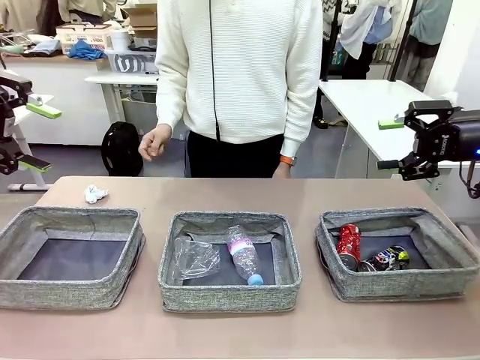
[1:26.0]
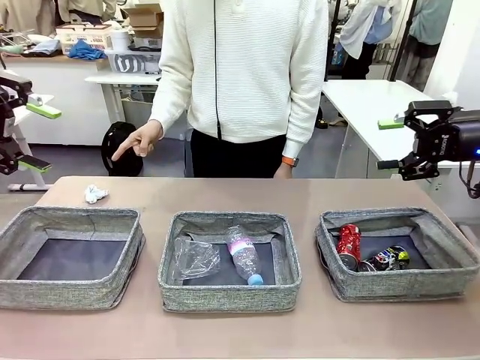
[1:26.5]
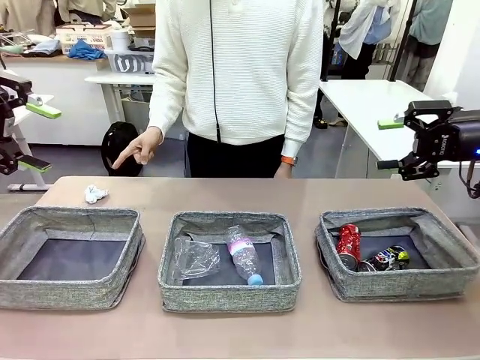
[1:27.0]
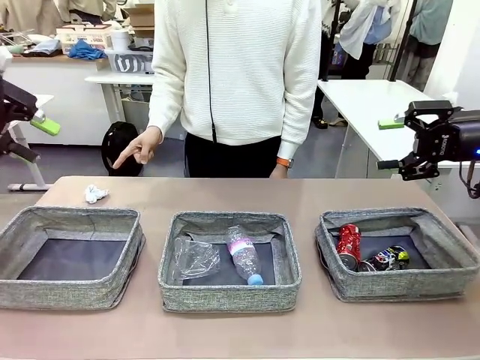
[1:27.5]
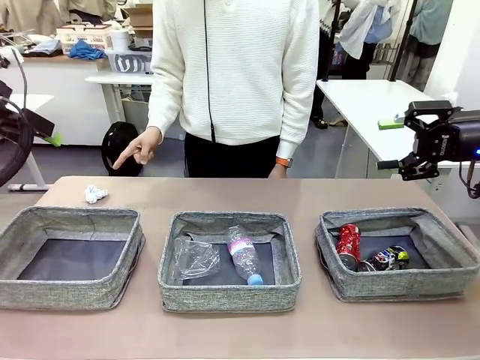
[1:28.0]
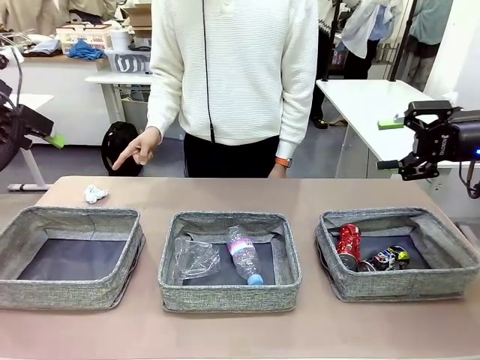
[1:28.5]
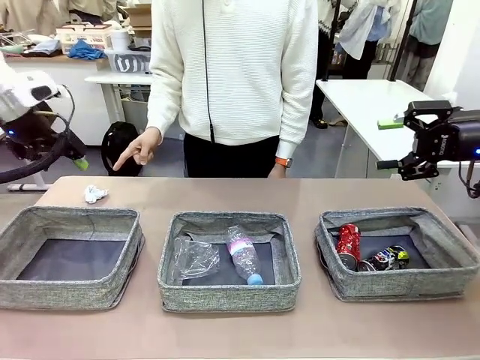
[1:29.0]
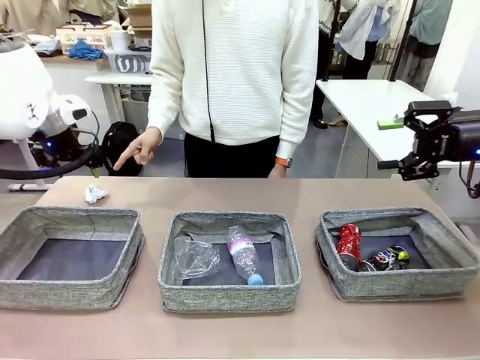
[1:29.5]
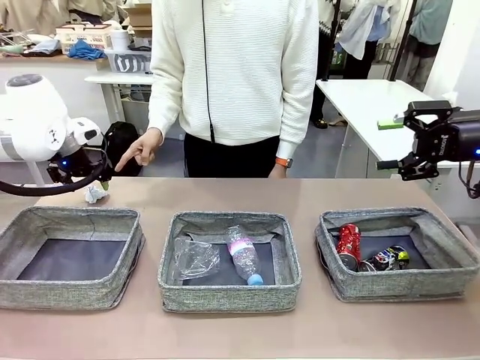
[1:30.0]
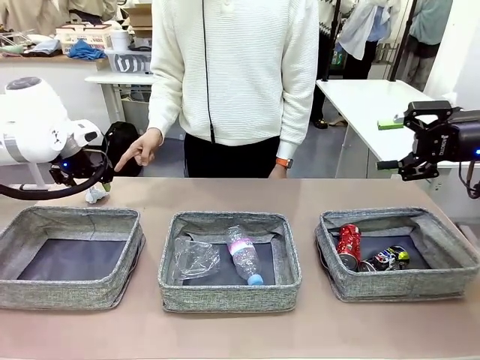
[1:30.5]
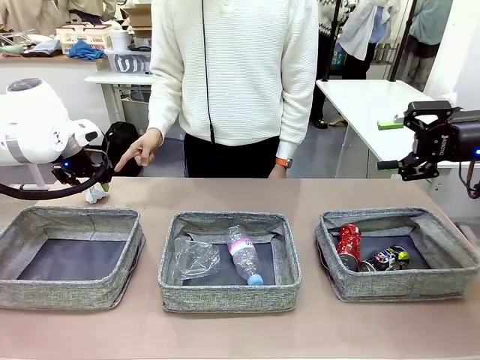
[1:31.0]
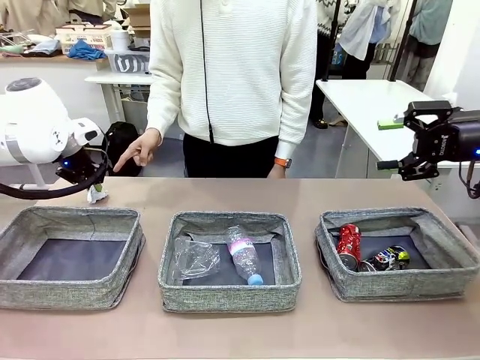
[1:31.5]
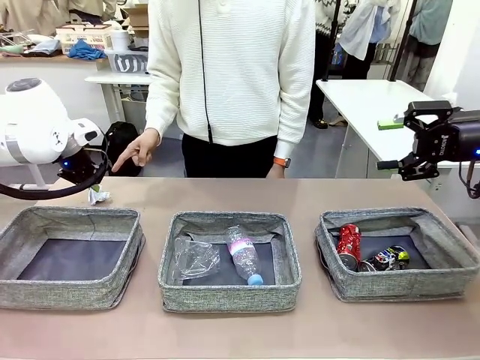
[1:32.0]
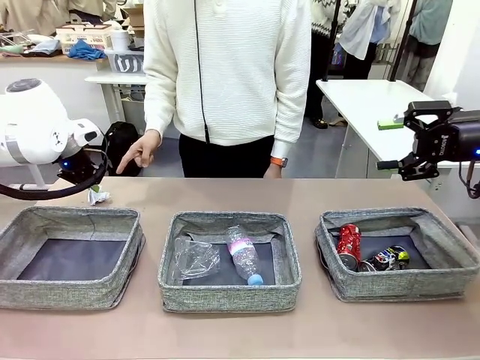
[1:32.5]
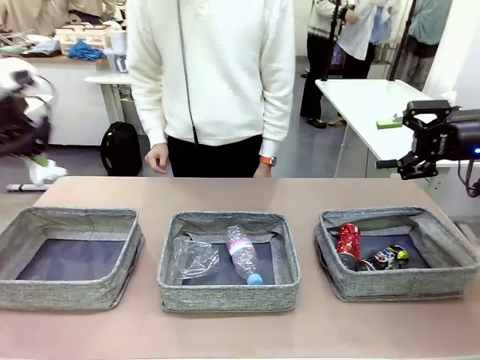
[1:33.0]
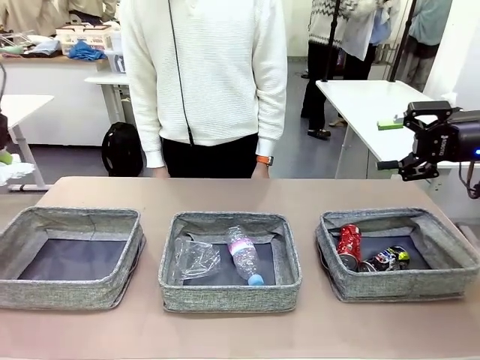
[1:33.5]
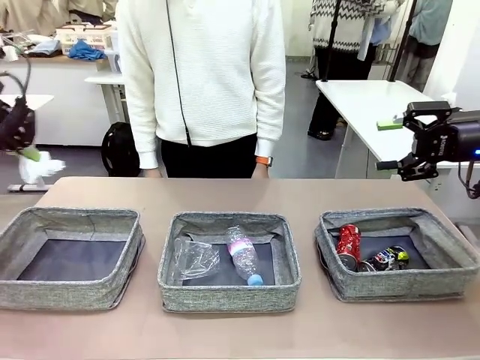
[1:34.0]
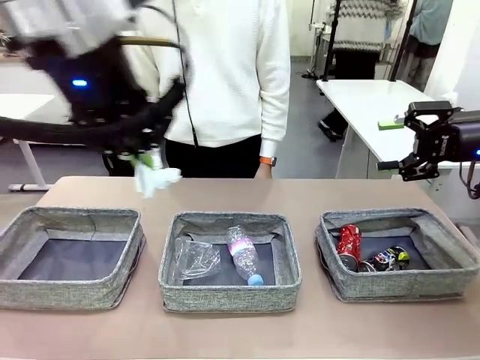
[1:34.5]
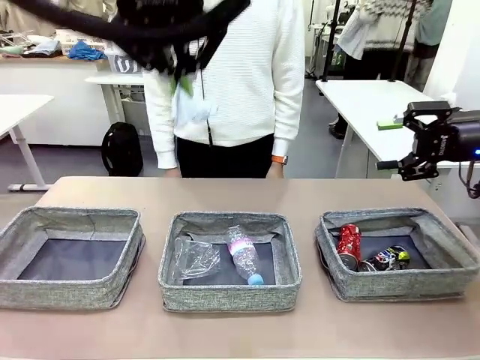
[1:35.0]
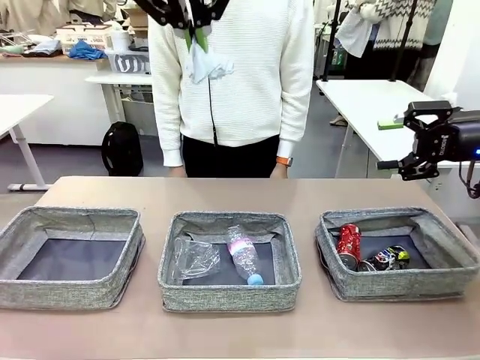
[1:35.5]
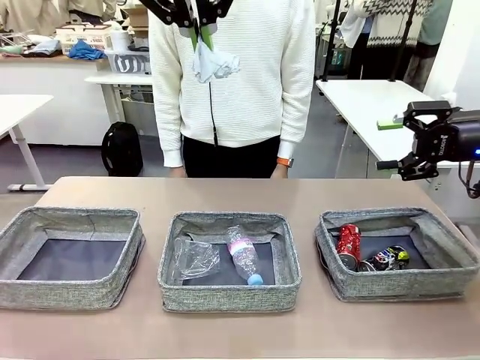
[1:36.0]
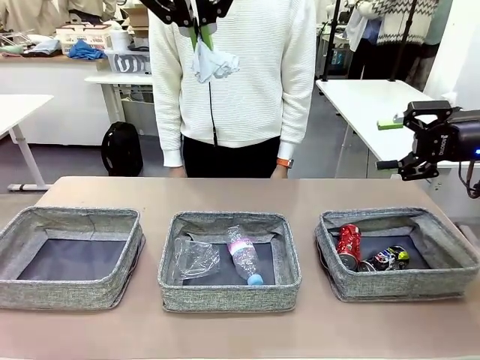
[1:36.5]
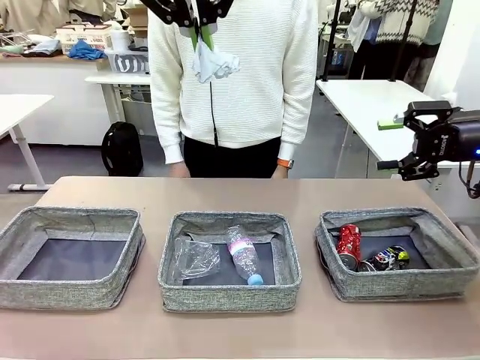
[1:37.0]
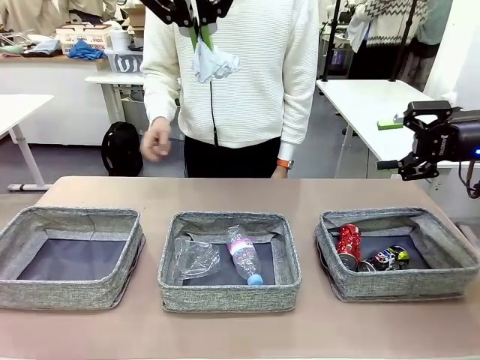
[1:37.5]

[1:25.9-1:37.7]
Task: Sort the waste into the appropriate baskets.
Robot: Pick up the waste item pointed out by the person.
Person: Points to one piece of trash on the table.

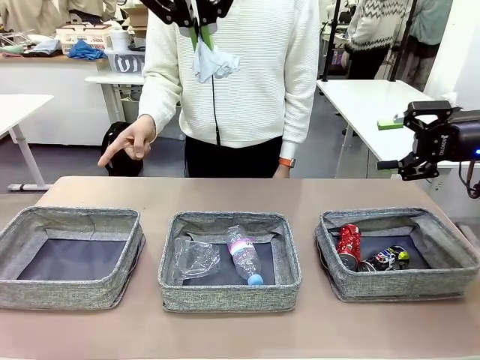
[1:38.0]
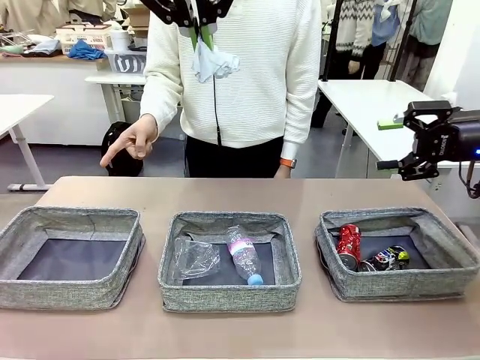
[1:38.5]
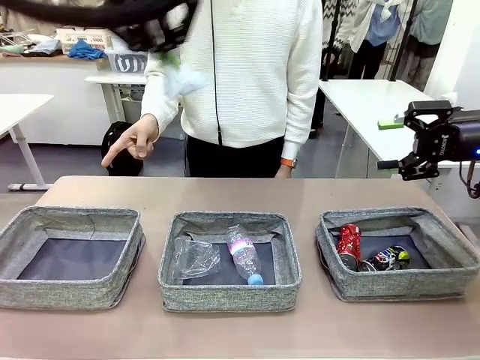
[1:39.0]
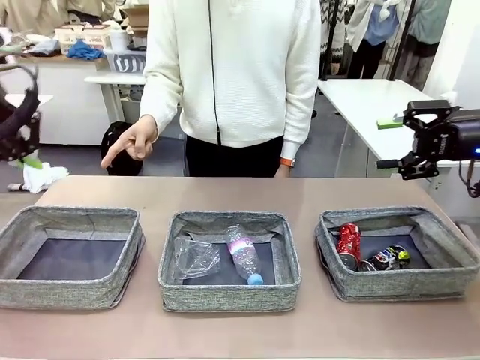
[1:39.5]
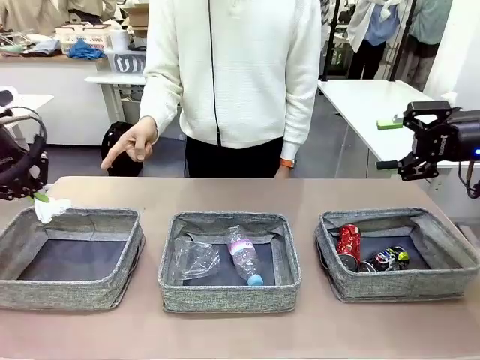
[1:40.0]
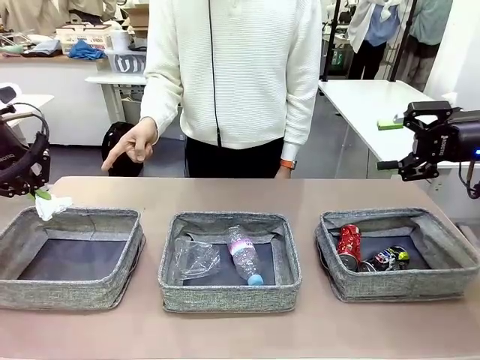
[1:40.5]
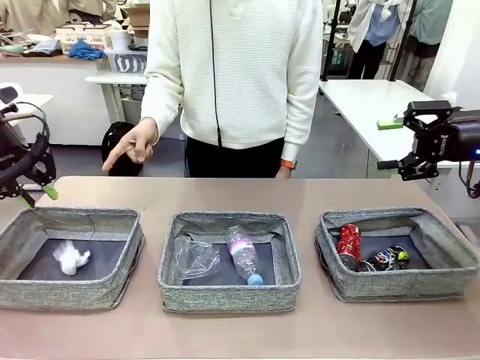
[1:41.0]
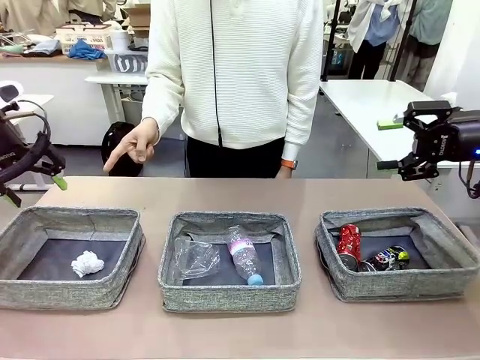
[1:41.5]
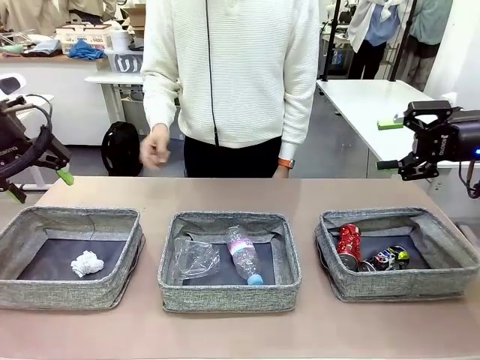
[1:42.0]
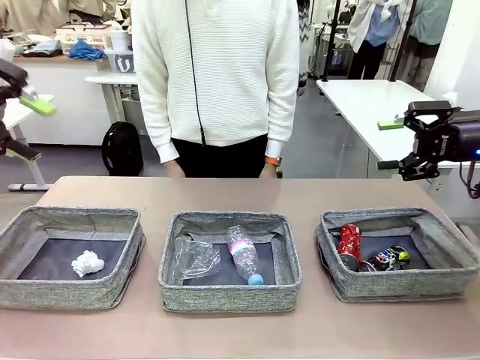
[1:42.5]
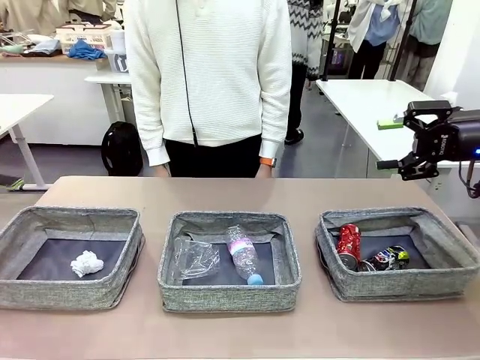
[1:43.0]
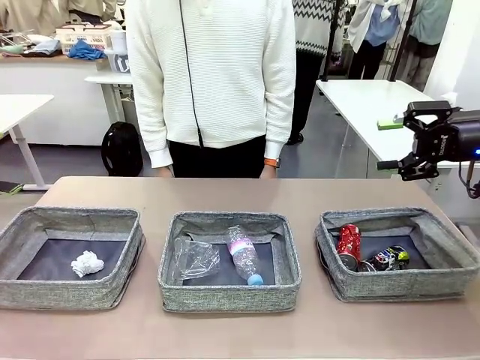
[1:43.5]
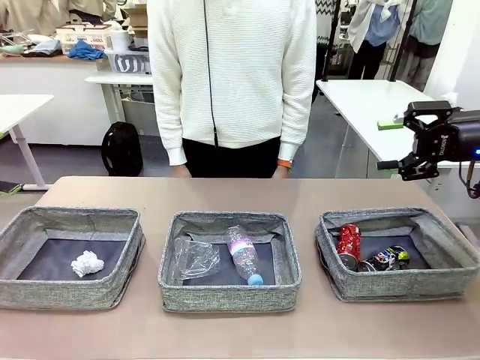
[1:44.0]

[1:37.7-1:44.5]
Robot: Place the picked waste into the Fabric basket indicated by the person.
Person: Instructs the robot to place the picked-up trash into the appropriate organizing basket.

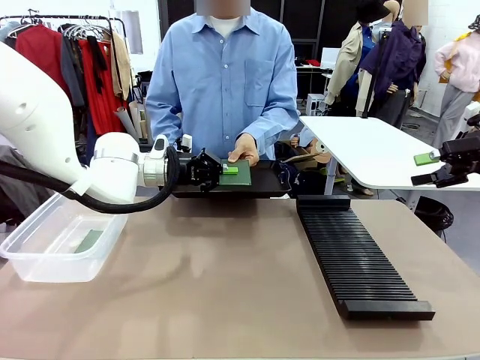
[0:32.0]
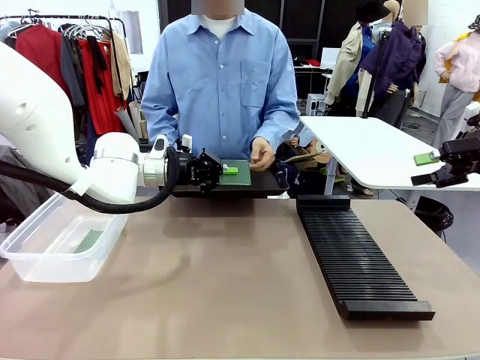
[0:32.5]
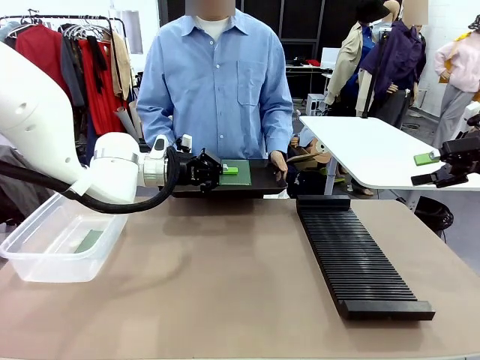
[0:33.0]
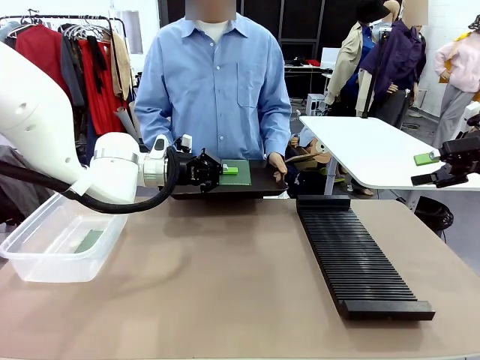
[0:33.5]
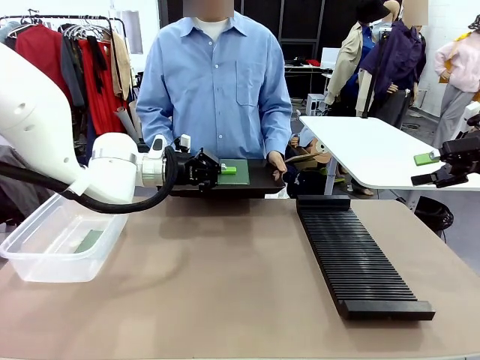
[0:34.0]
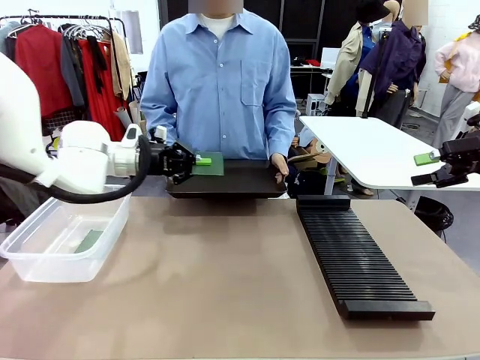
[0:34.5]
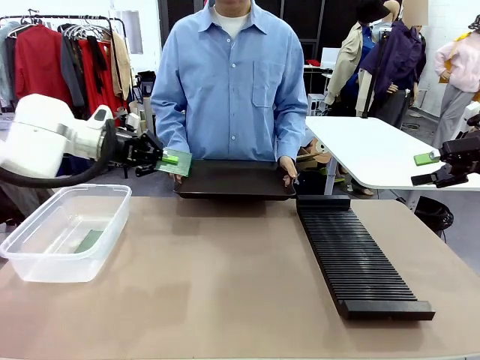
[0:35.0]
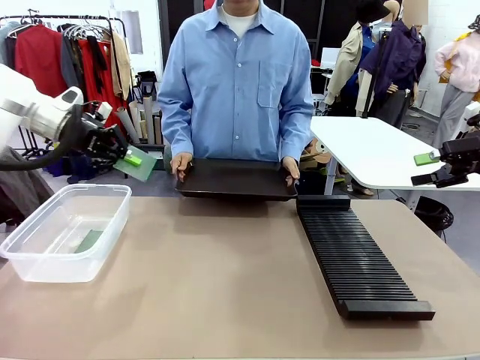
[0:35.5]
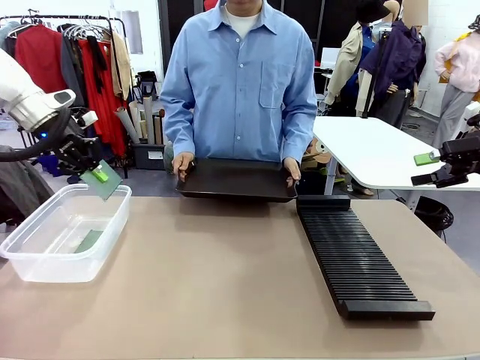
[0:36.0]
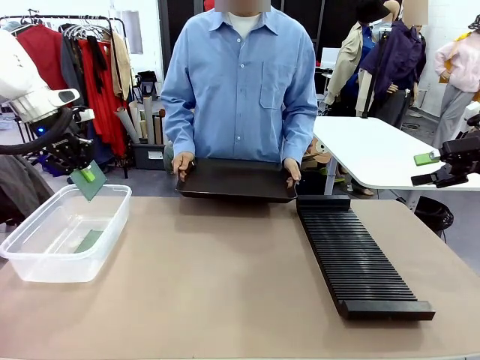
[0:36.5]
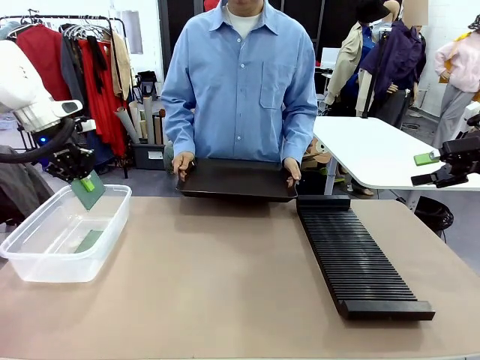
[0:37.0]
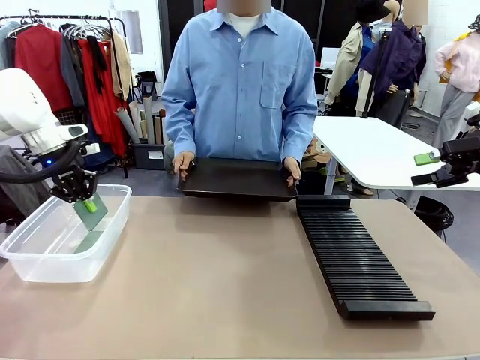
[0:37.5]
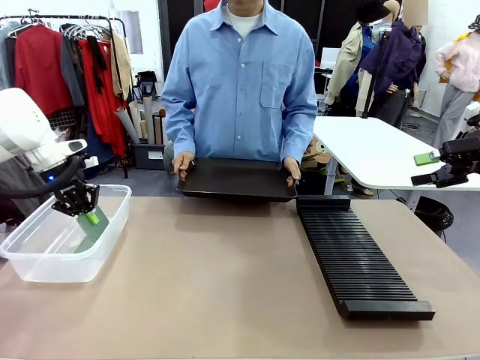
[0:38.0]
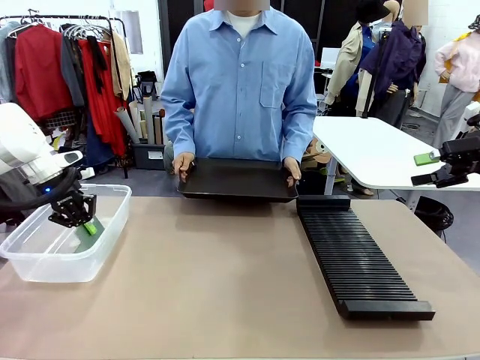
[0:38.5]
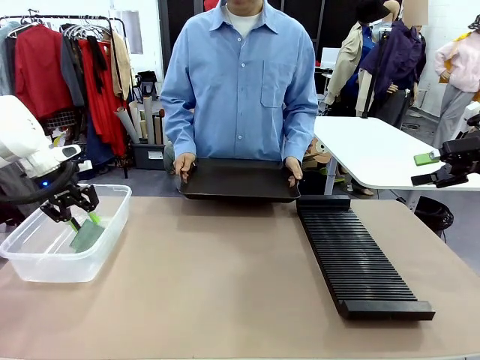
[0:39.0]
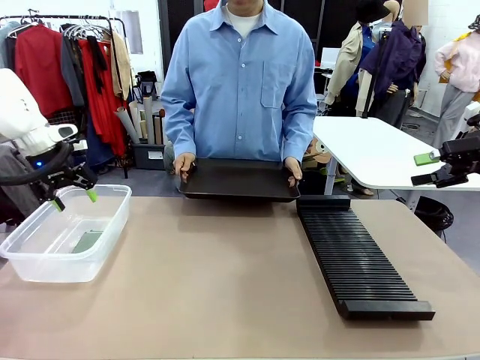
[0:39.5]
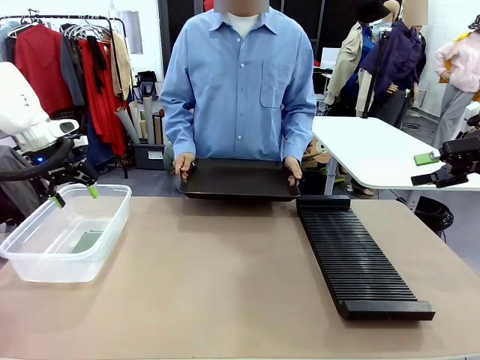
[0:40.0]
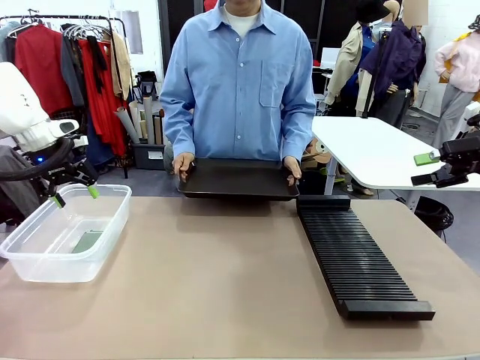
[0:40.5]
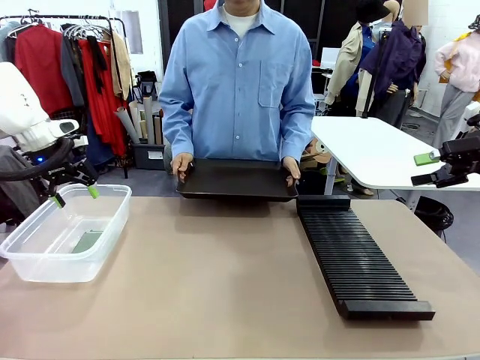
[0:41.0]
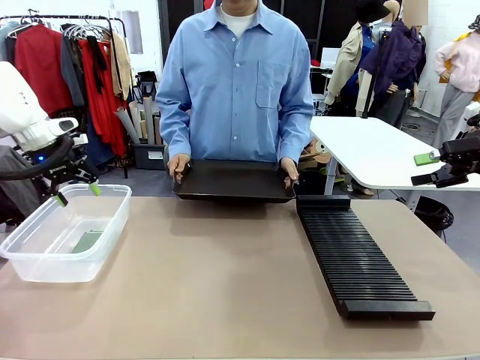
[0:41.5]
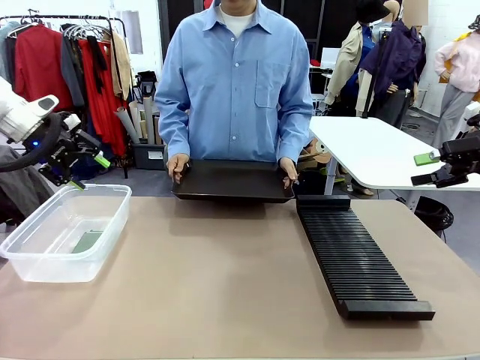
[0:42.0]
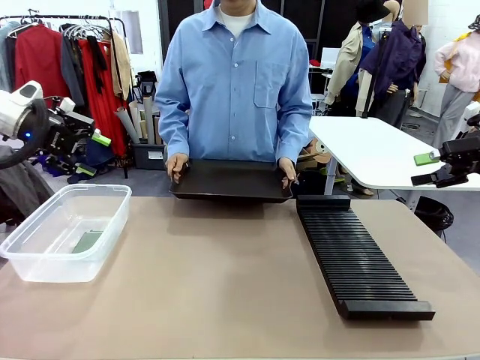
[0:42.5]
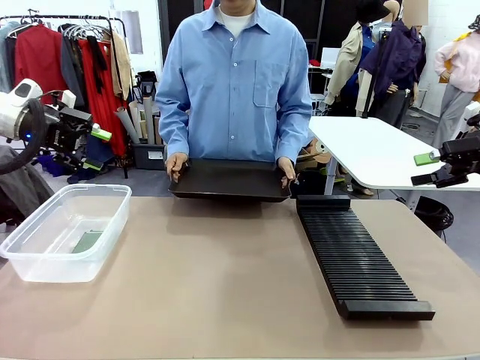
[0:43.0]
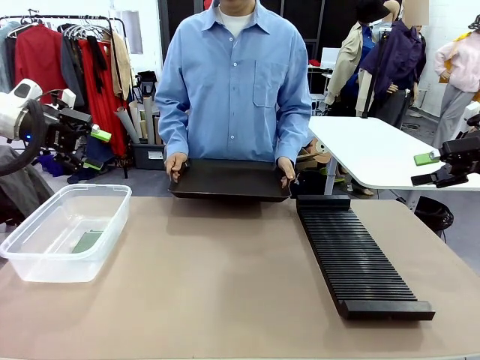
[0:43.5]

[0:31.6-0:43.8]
Task: Sort PCBs into racks and boxes based on the side picked up.
Robot: If the short side of the Blank PCB is picked up, insert it into the PCB Rack ; if the long side is picked up, place it in the Organizing box.
Person: Release the PCB being held.
